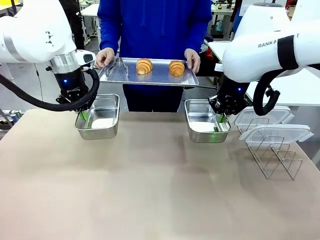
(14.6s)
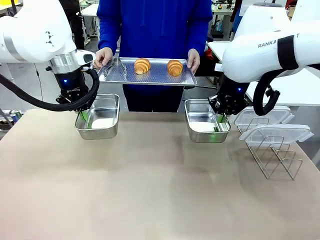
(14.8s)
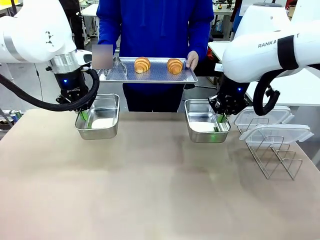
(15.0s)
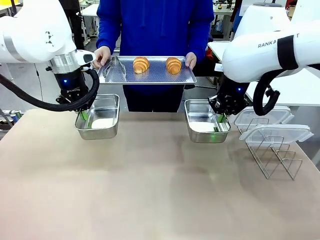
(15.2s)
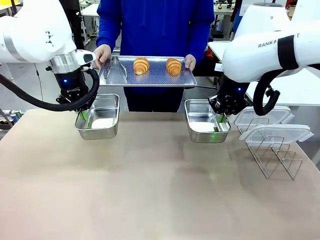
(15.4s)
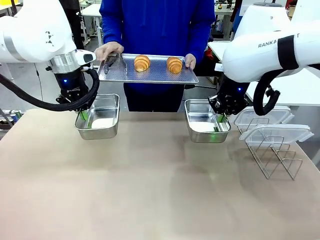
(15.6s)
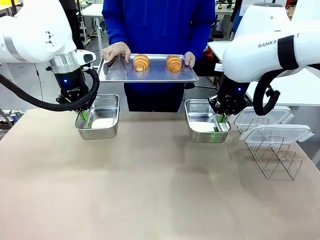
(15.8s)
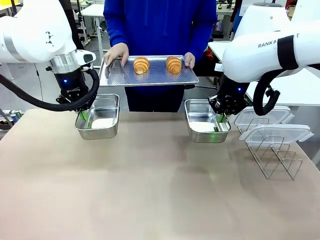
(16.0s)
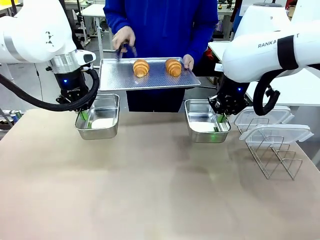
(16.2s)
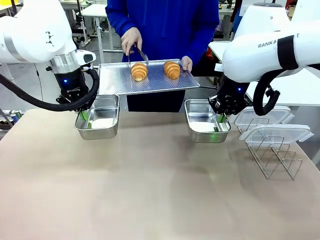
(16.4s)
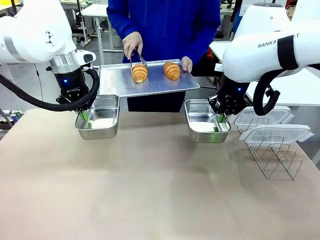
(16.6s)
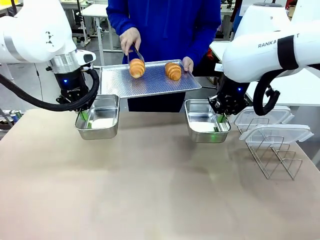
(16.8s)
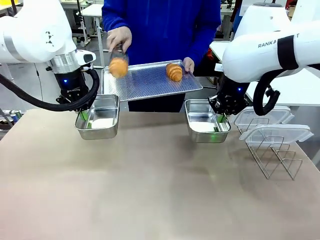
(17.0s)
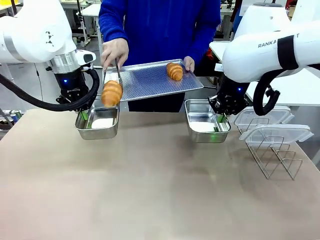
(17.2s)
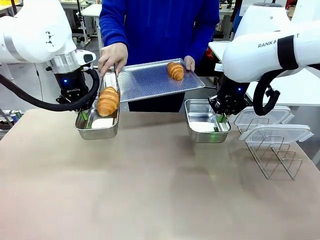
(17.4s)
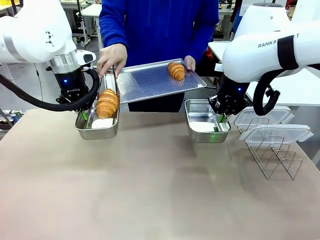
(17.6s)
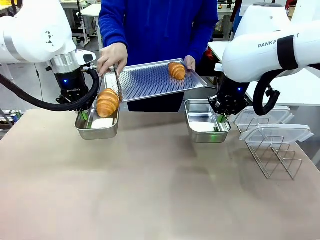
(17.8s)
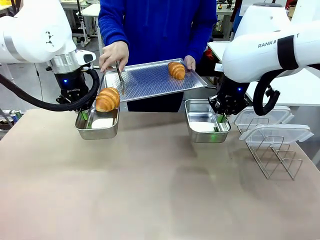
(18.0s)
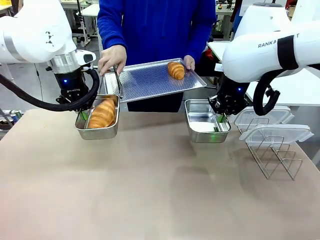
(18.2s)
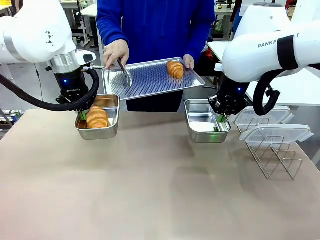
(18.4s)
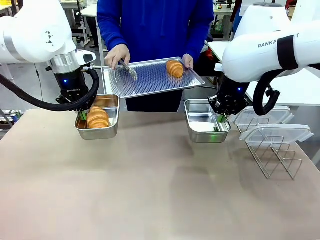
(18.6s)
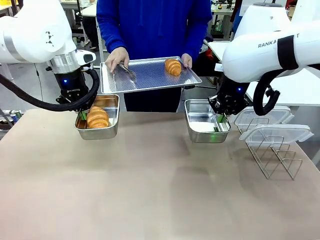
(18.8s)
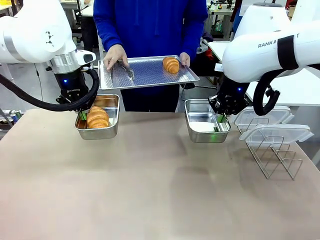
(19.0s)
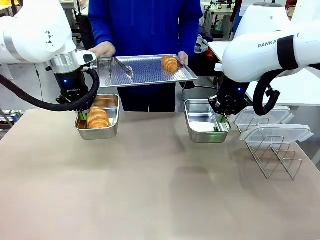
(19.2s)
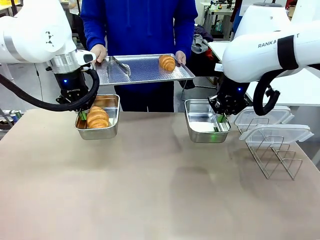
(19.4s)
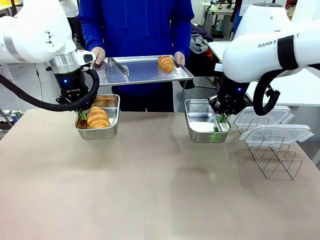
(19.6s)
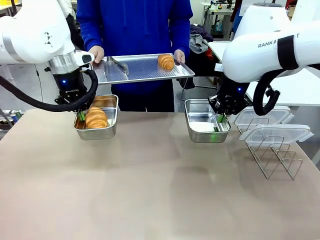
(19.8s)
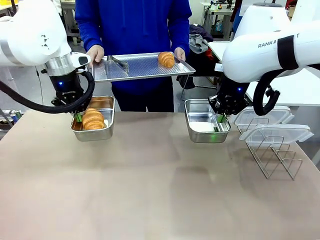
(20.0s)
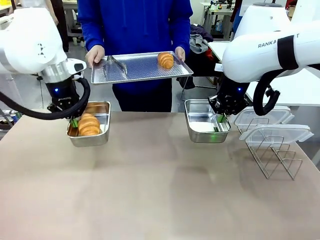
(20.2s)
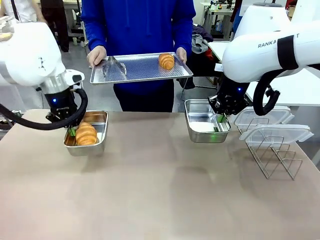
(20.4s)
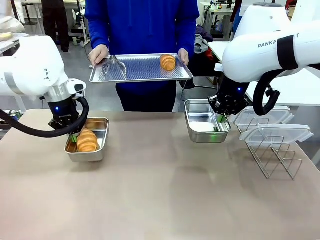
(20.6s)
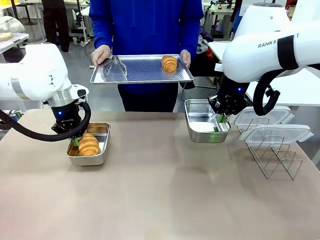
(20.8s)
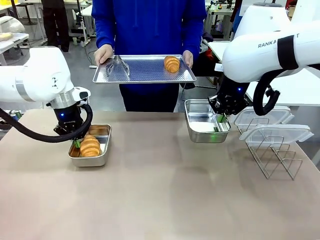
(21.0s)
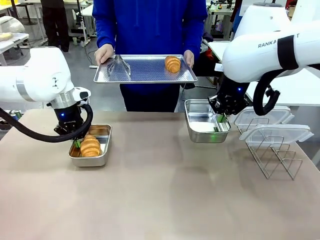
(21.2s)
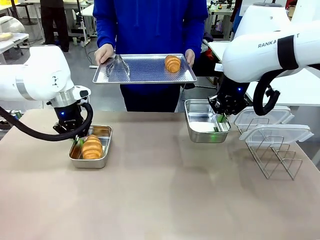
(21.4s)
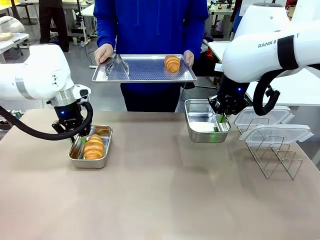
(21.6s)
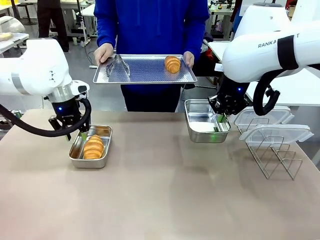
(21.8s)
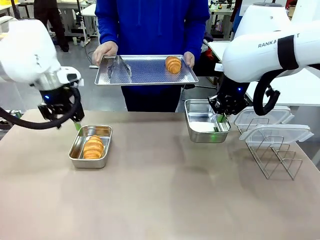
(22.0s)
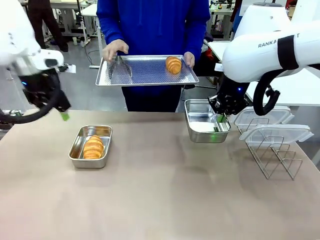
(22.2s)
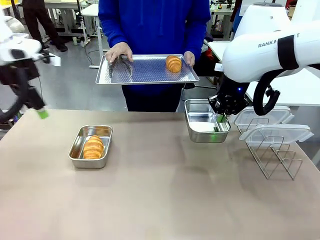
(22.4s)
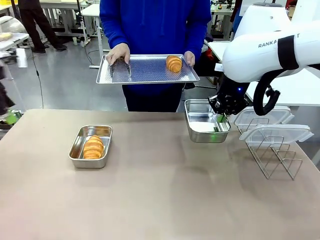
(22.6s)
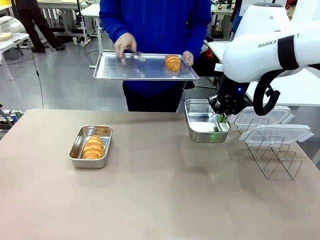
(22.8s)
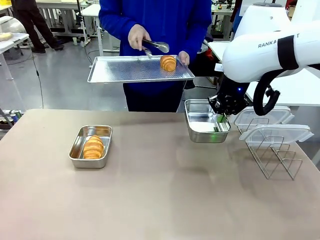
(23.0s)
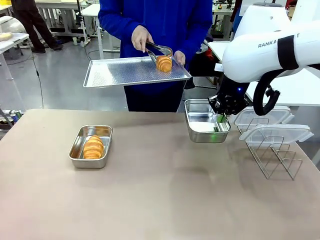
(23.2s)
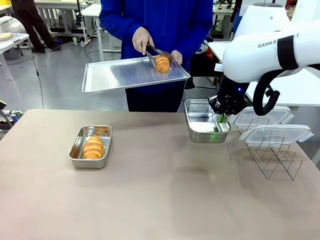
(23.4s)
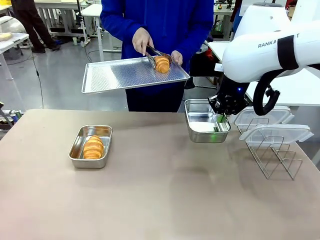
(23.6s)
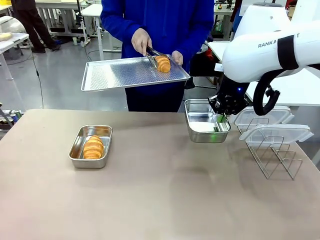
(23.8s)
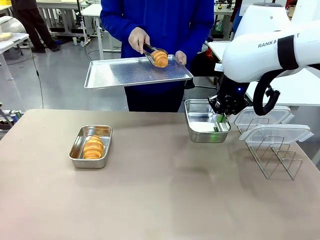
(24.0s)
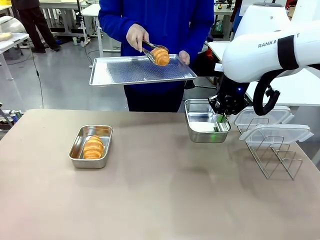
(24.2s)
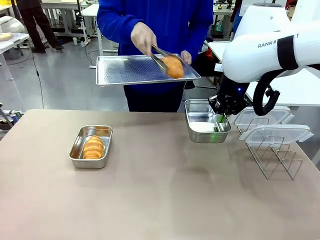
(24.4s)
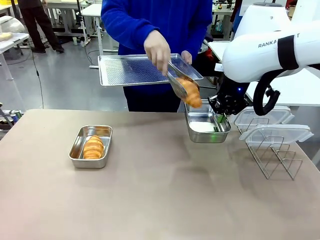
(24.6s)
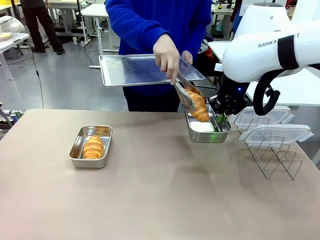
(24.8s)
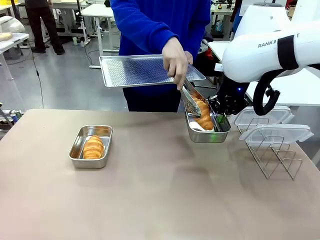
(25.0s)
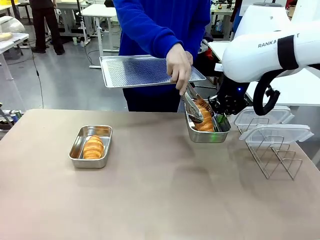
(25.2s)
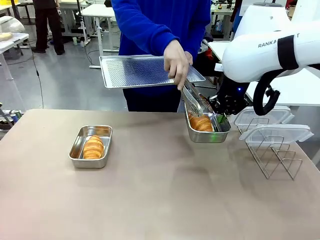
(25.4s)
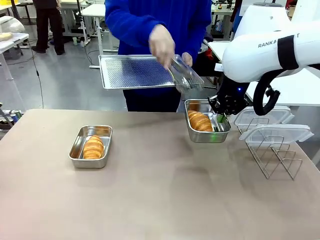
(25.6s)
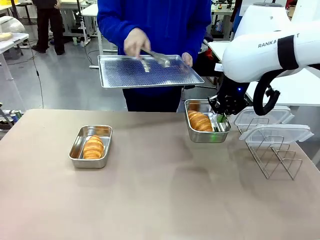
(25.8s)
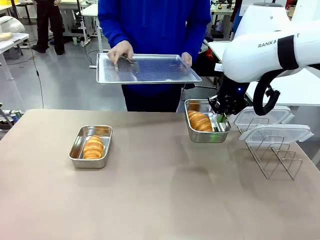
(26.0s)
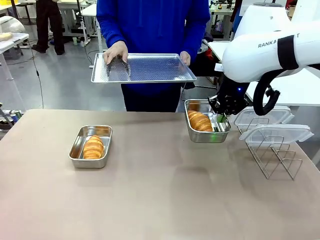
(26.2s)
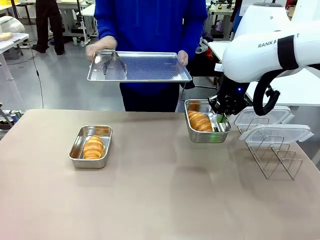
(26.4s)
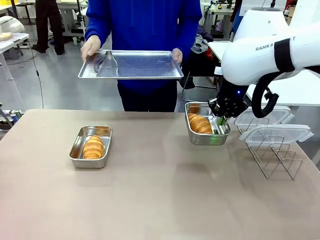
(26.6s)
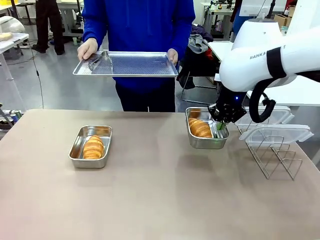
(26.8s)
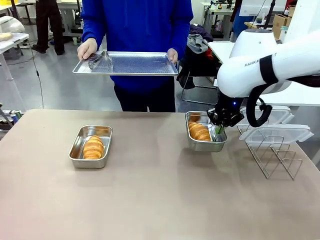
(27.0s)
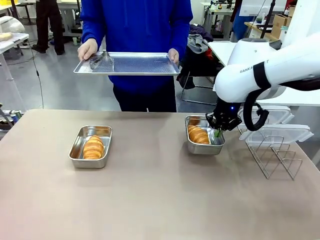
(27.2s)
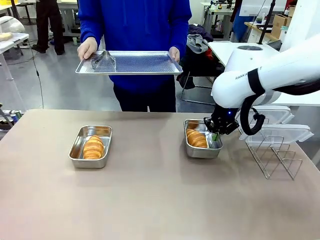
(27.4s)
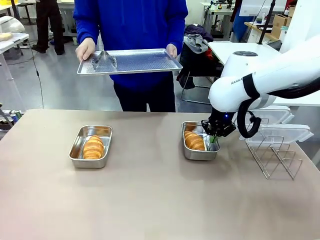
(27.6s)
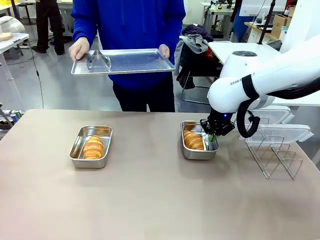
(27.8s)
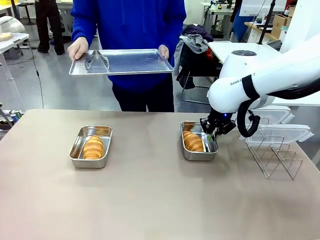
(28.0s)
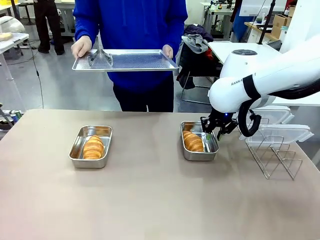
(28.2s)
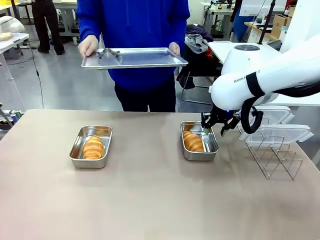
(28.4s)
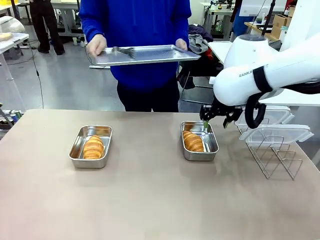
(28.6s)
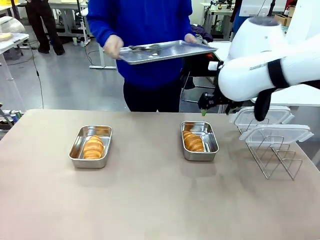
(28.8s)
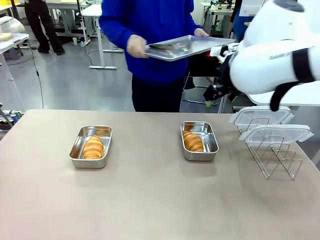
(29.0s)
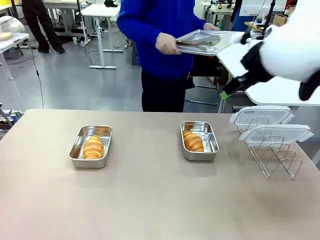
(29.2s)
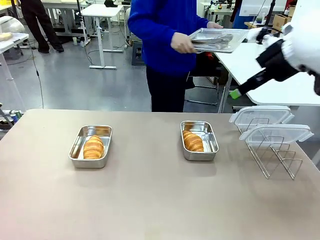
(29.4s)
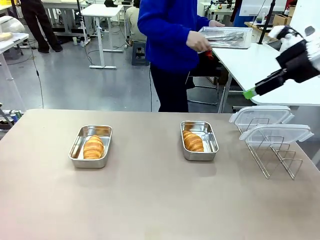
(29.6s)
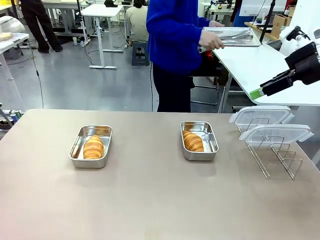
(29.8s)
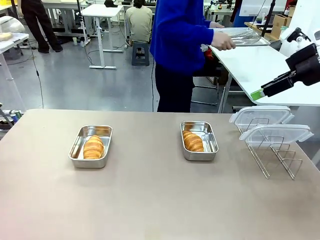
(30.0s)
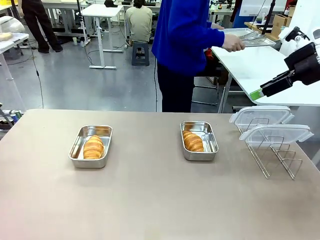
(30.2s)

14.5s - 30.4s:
Task: Place the bread in airtight containers.
Robot: Once an object is inside an Airtight Container , place the container in the center of the table.
Person: Use the Stainless steel tongs to place one object from Baking Sheet into one Airtight Container. Place Baking Sheet on the Human's Table.

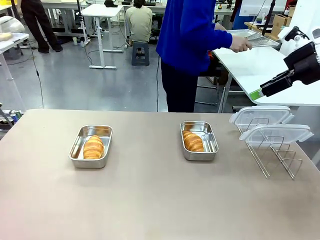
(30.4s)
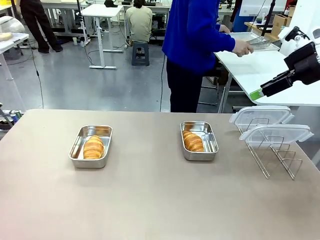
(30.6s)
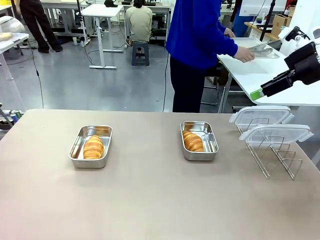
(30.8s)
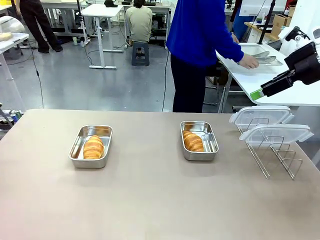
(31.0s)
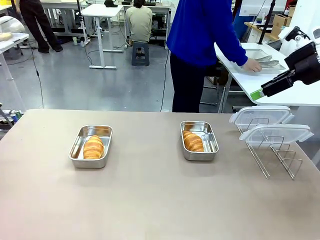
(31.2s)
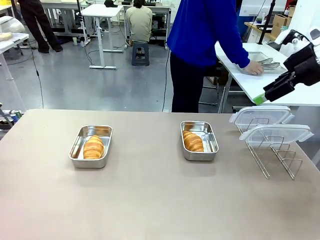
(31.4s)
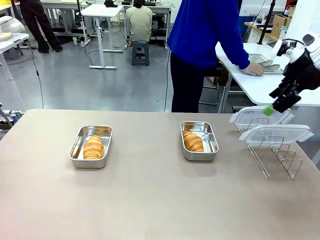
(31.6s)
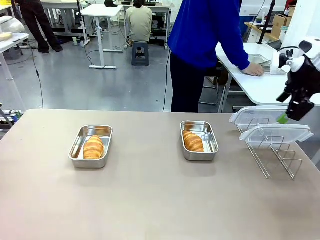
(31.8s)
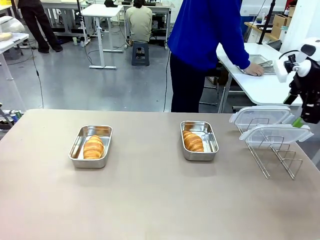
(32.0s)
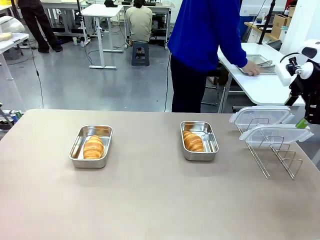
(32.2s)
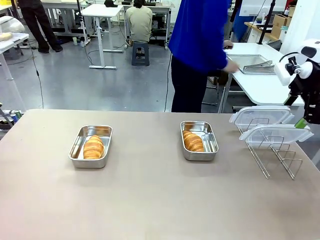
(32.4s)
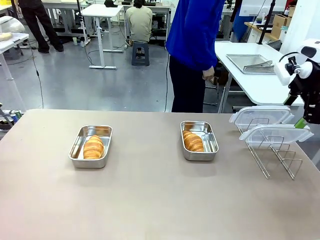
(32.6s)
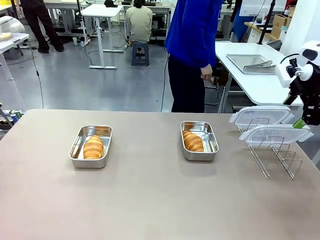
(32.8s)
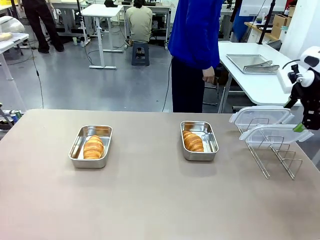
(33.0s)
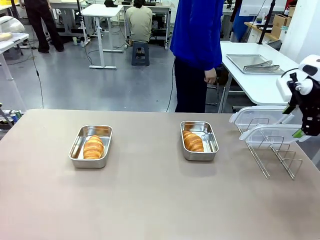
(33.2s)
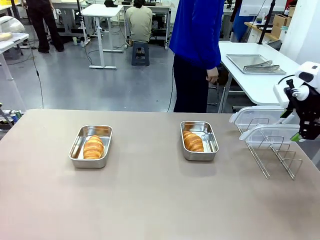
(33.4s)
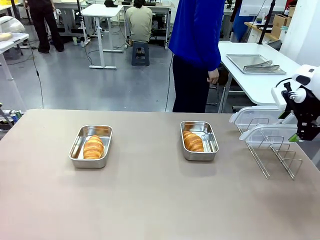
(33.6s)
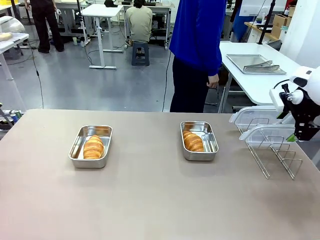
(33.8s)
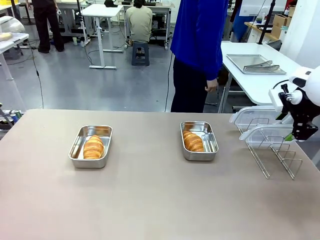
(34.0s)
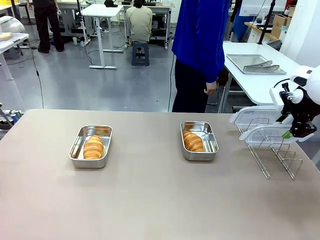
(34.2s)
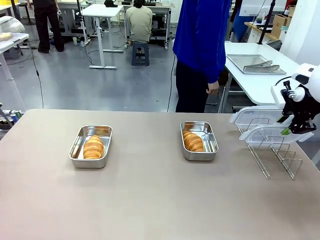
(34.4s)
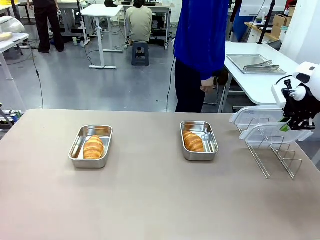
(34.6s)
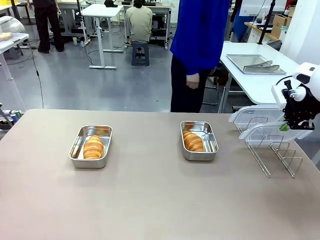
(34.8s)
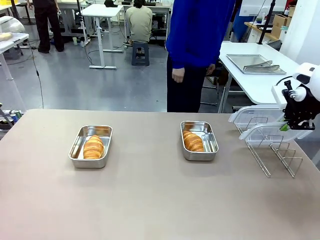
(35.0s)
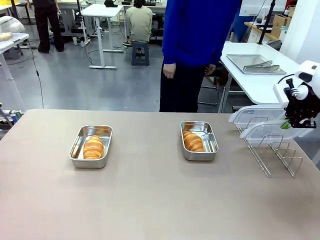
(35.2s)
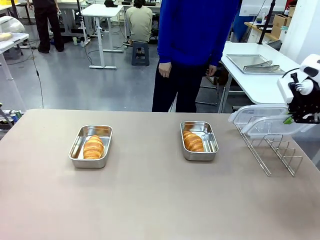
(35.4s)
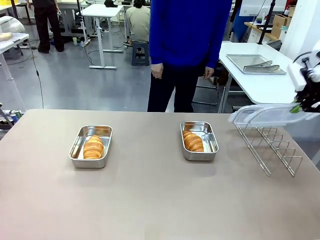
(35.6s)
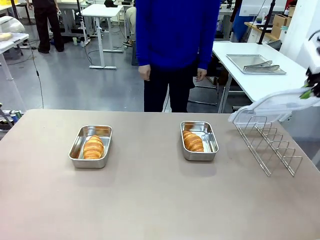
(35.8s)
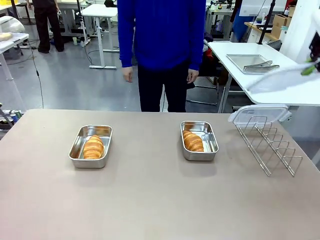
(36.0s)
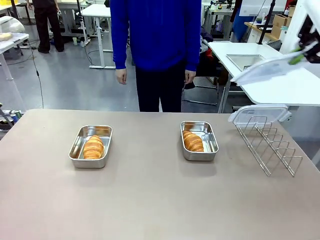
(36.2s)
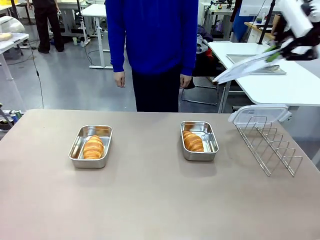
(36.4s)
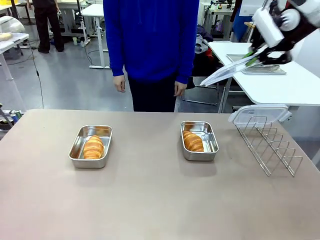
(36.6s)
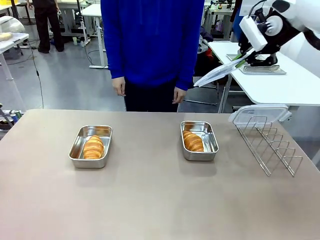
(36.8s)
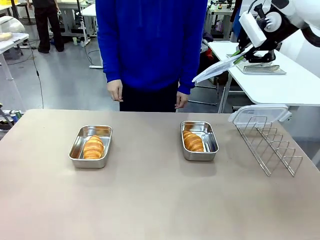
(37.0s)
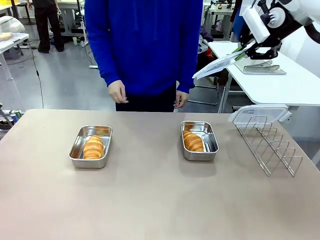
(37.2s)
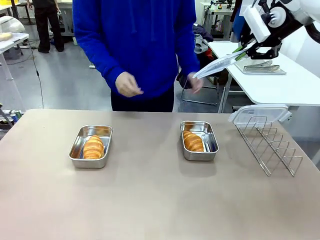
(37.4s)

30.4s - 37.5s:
Robot: Pick up one Airtight Container lid and hand it to the human.
Person: Grip Airtight Container lid that robot is handing.
